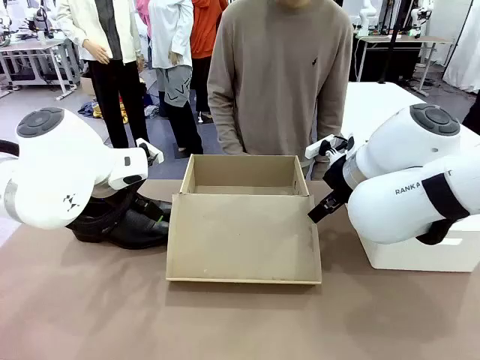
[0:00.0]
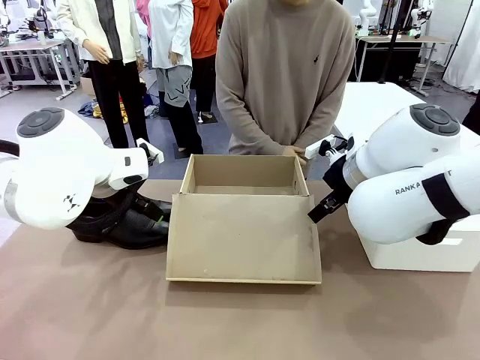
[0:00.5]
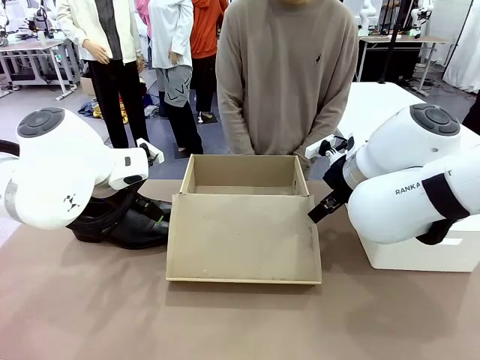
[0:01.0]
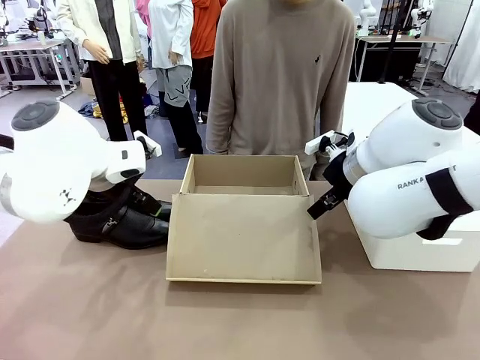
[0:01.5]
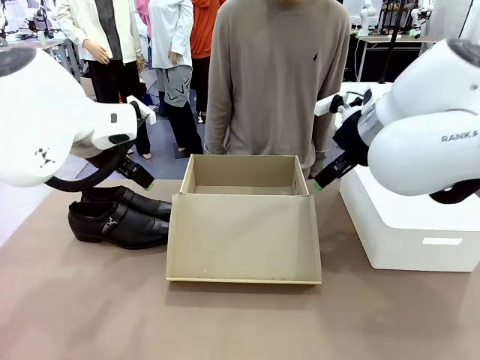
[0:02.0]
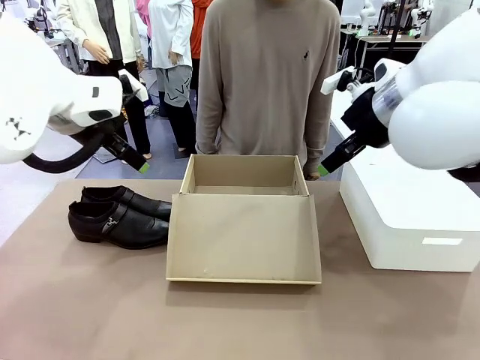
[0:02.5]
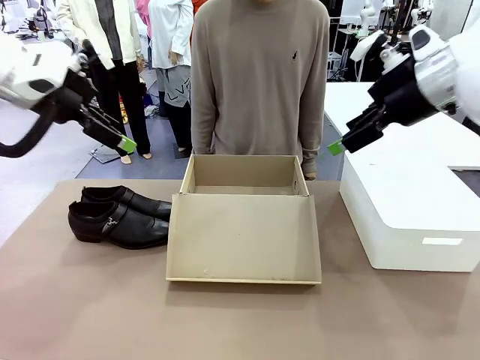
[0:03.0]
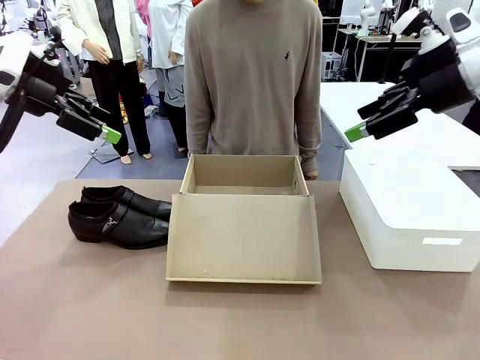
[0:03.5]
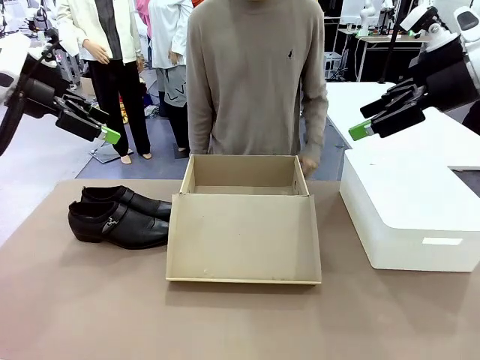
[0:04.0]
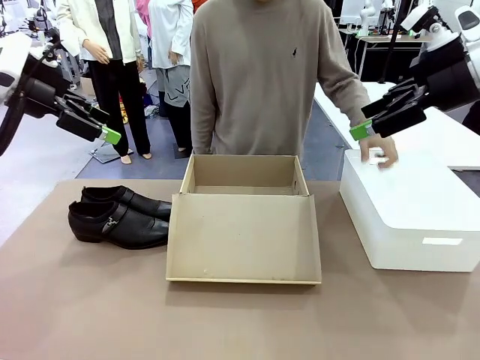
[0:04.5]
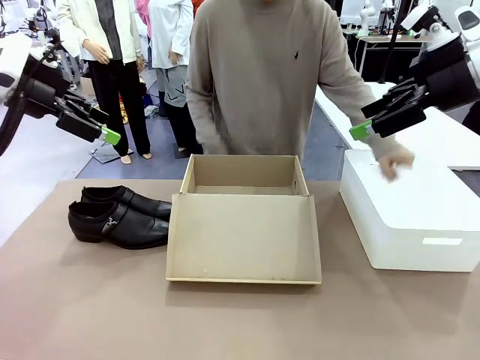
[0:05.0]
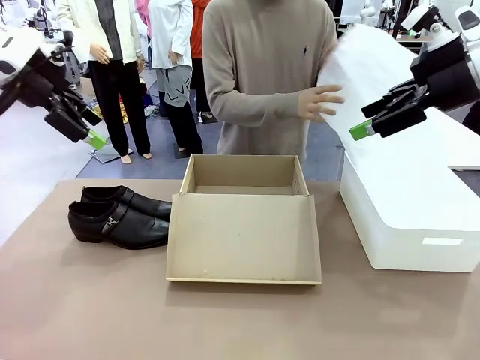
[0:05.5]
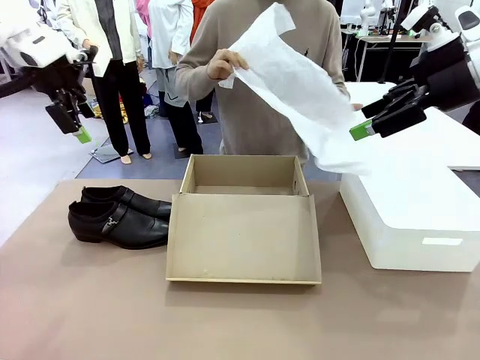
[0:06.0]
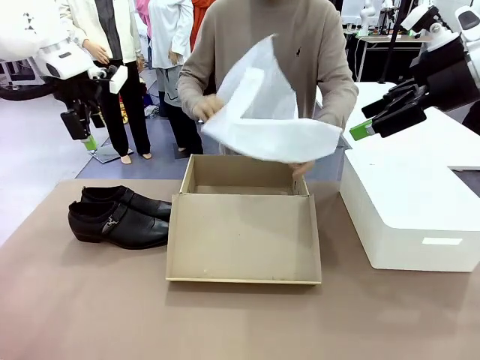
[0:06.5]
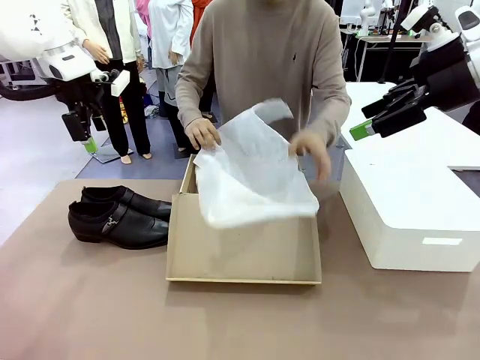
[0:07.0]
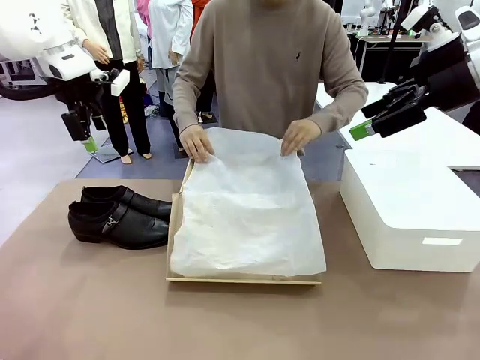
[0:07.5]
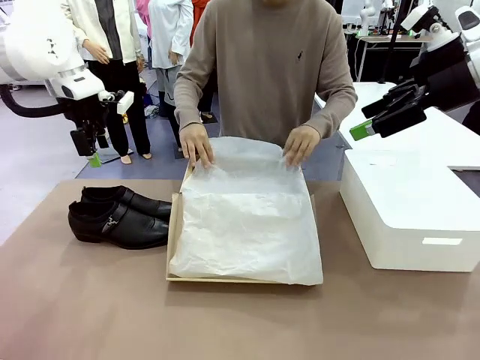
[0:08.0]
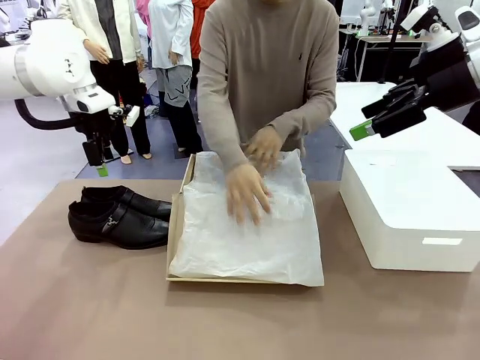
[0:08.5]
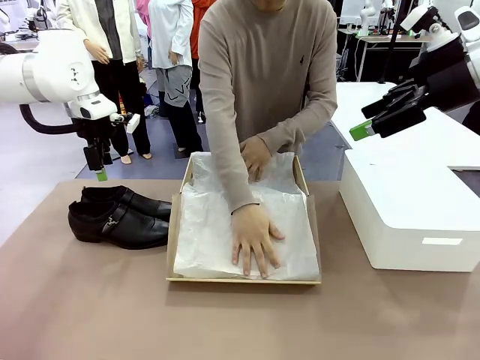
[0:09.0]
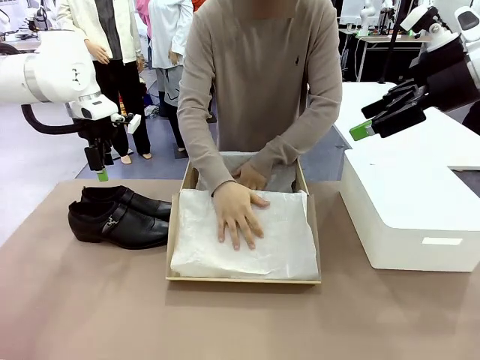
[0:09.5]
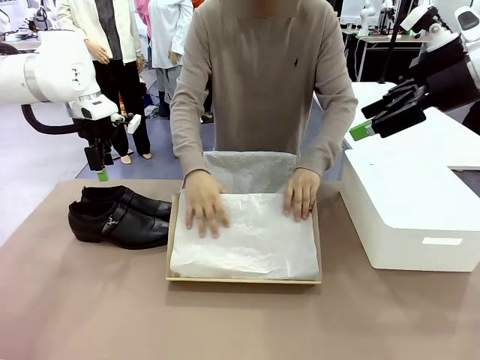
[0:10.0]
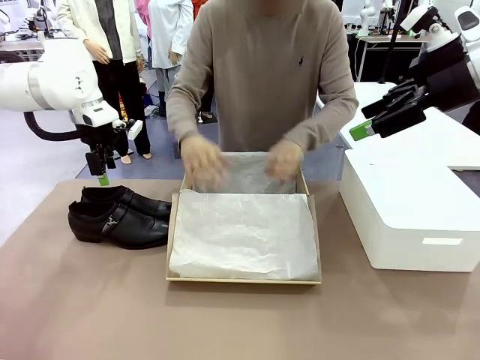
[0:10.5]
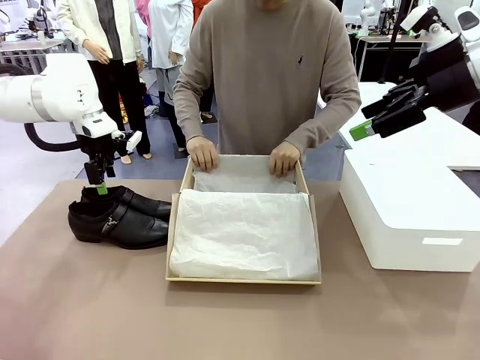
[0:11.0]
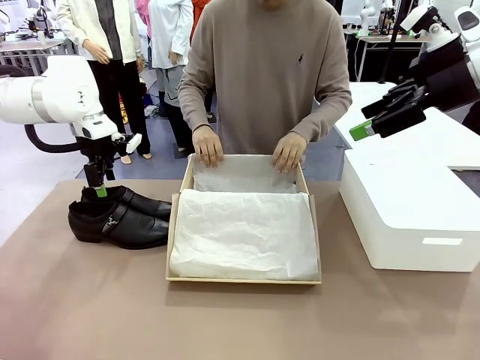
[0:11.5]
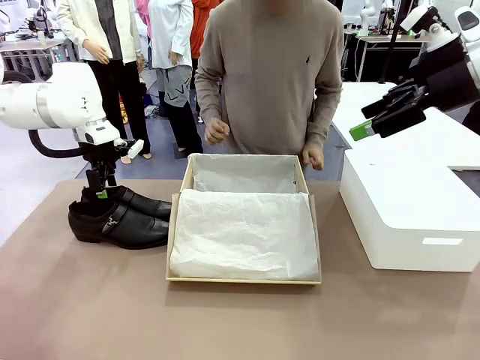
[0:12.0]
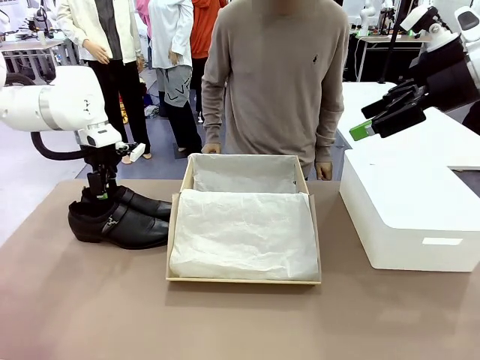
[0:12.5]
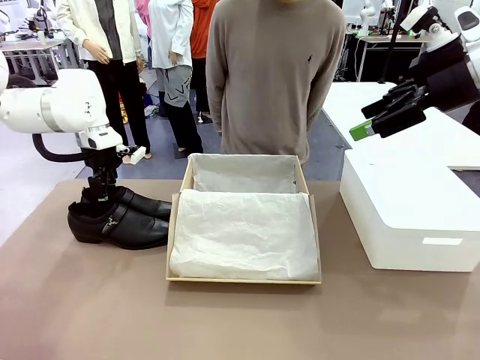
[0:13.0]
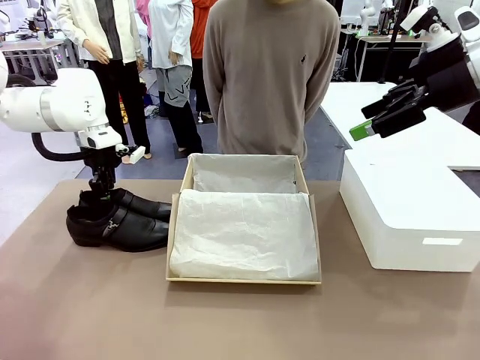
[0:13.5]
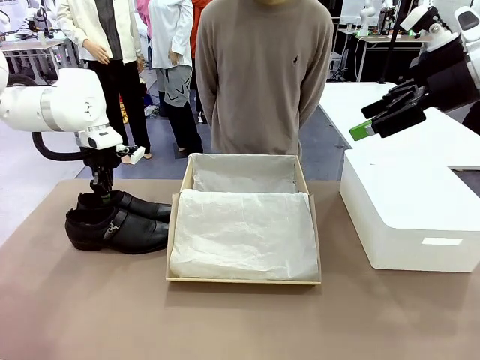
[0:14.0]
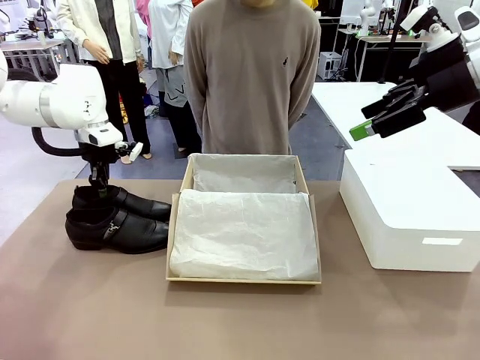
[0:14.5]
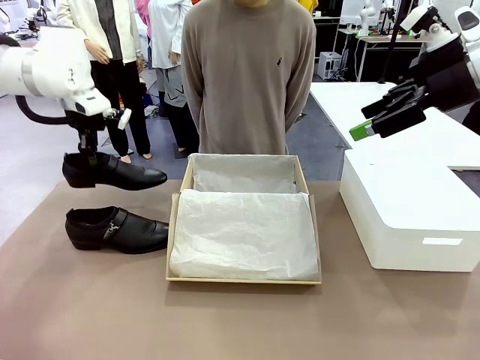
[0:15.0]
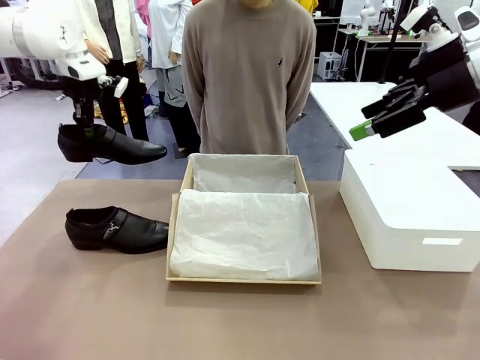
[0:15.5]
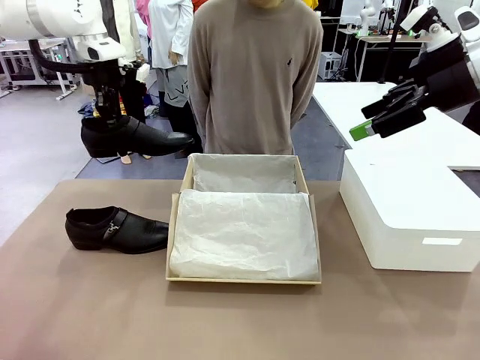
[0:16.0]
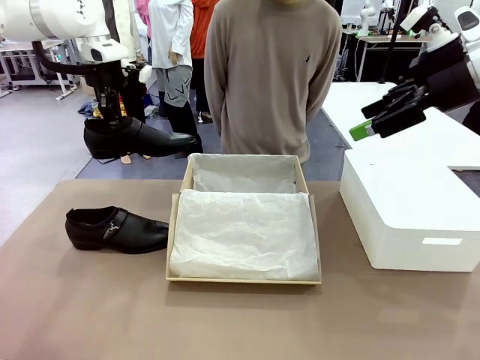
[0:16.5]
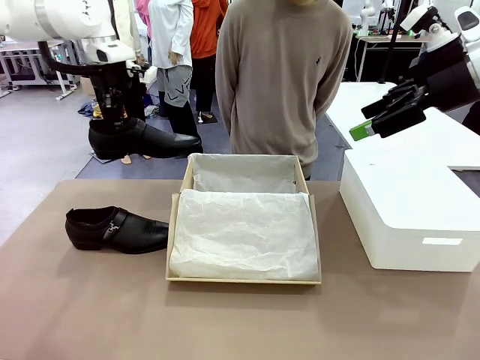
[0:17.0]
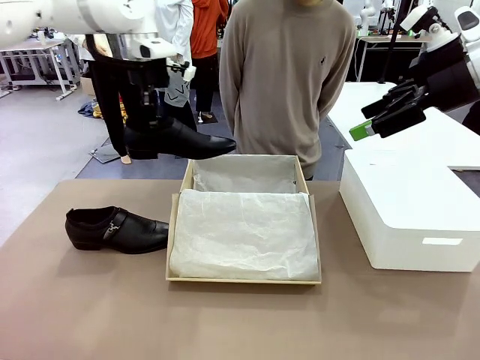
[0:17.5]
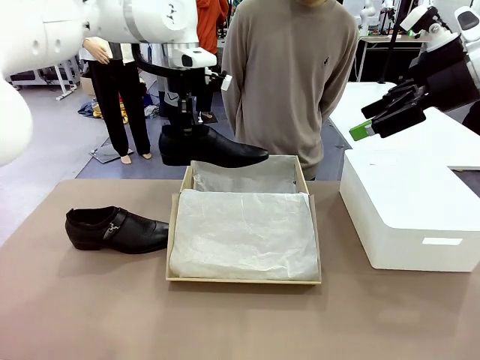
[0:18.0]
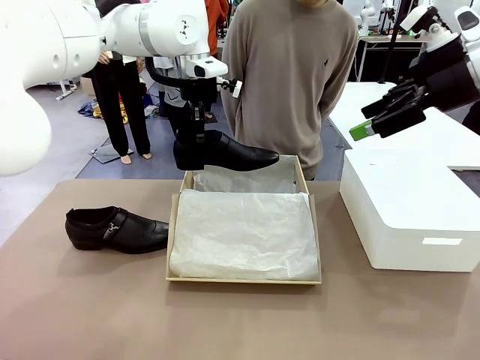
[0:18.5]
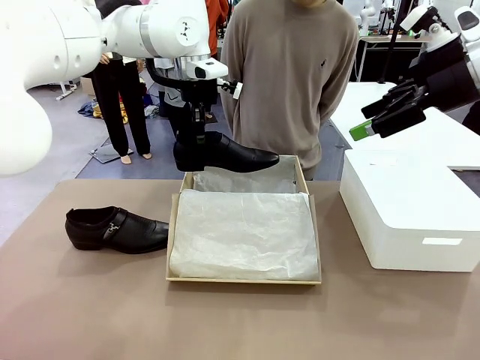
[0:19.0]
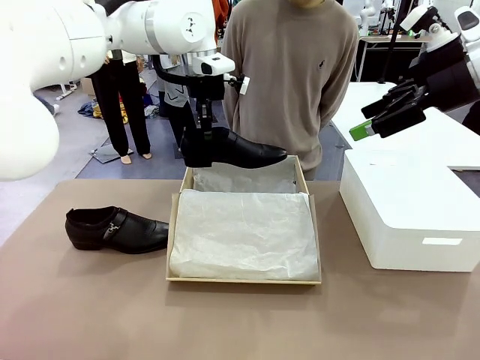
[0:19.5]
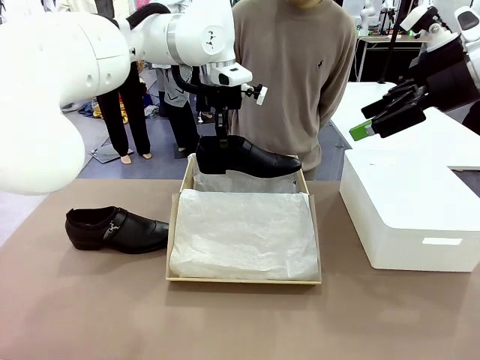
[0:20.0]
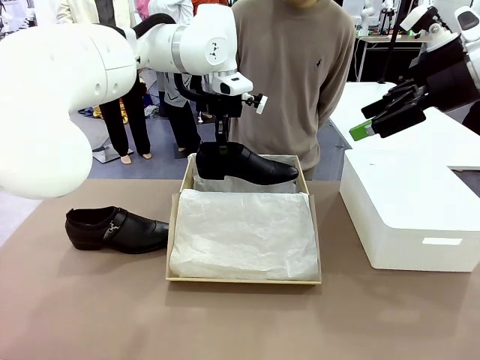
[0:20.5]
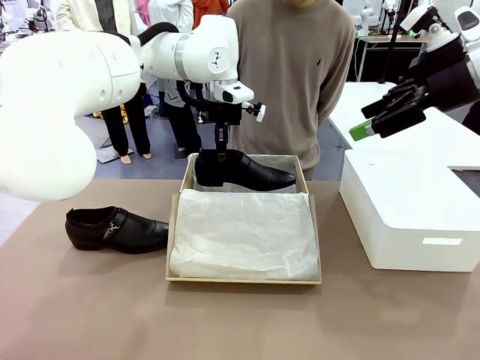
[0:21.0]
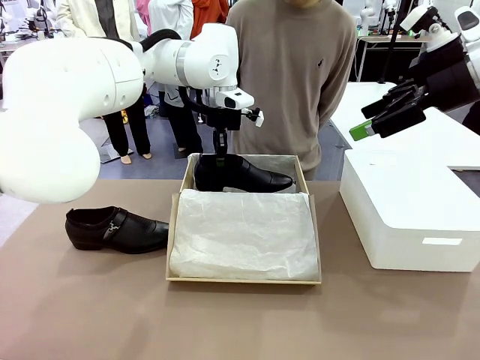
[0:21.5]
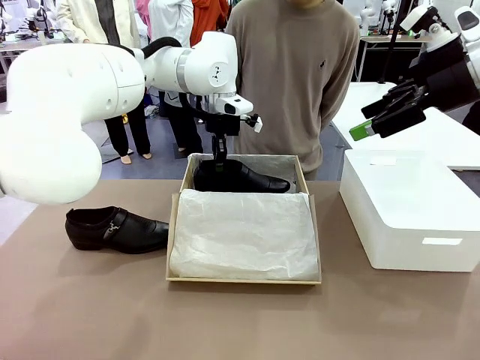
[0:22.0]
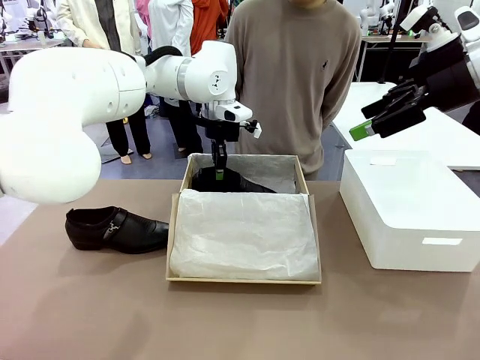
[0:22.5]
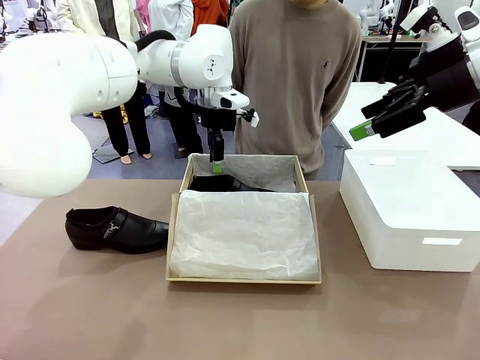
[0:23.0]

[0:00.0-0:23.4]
Task: Pack the shoes into the box.
Robot: Place one shoe of the Shoes into the Shoes Box.
Person: Spread Shoes Wrapping Paper and place inside the Shoes Box.
